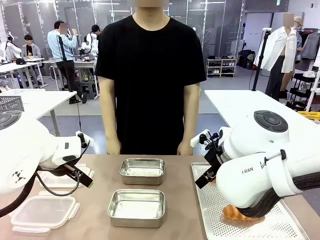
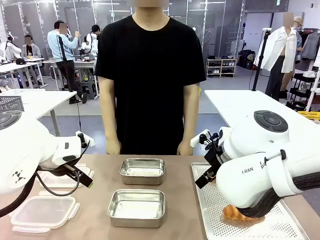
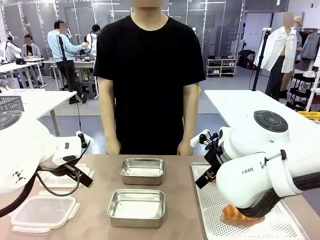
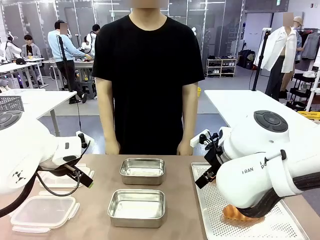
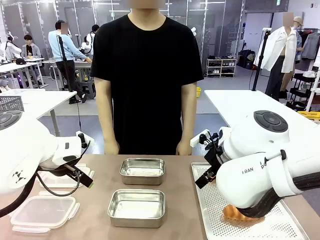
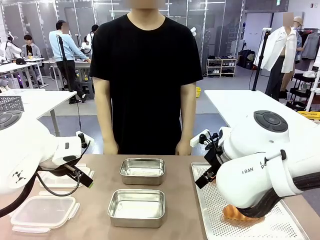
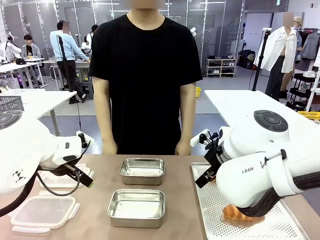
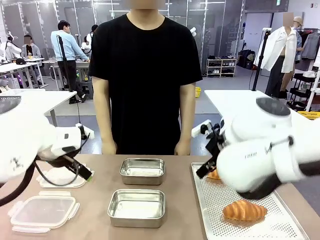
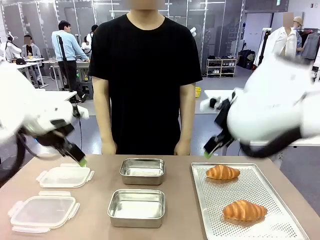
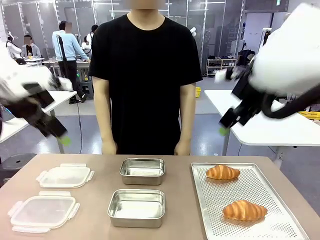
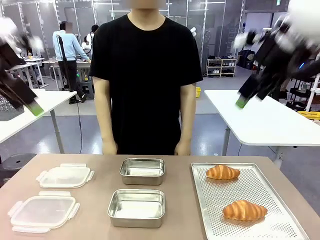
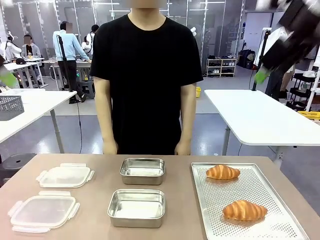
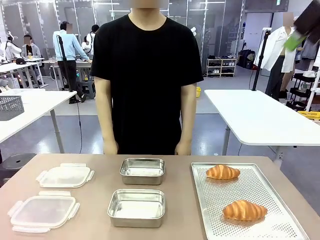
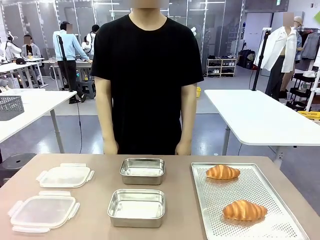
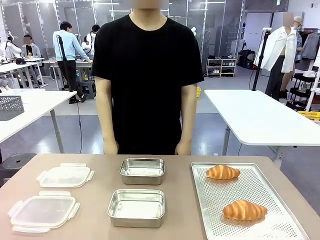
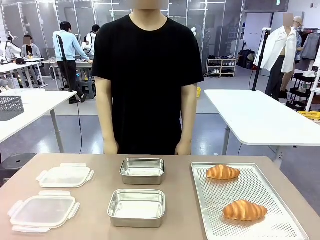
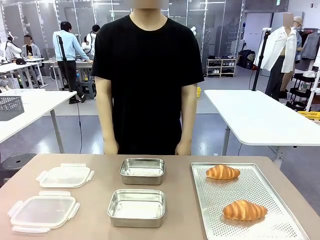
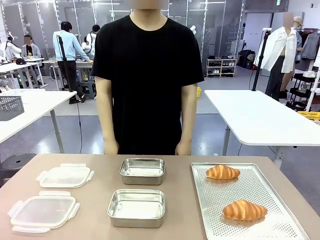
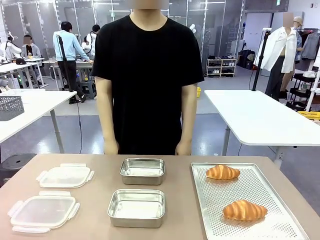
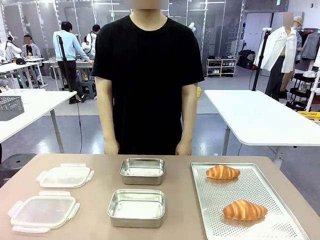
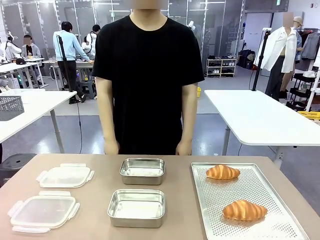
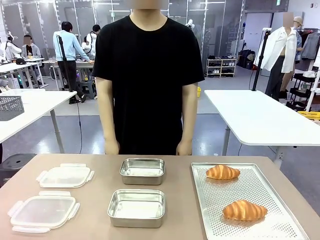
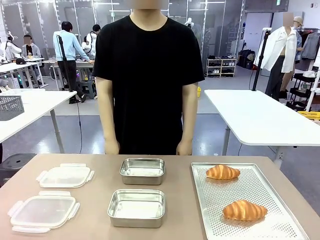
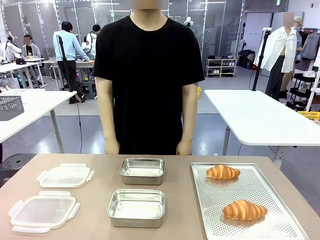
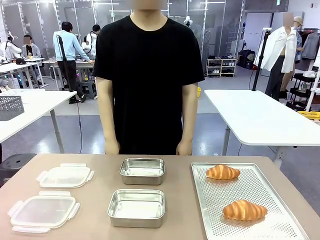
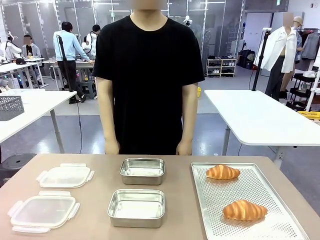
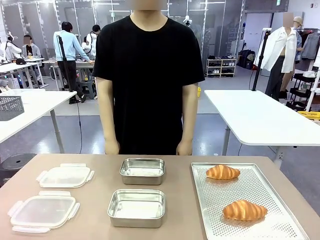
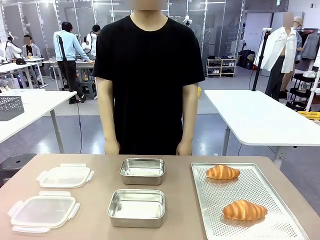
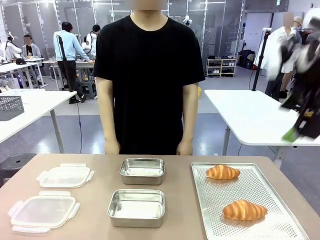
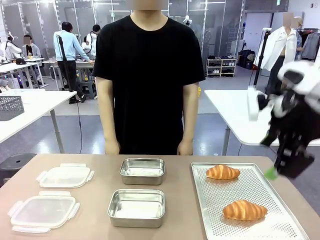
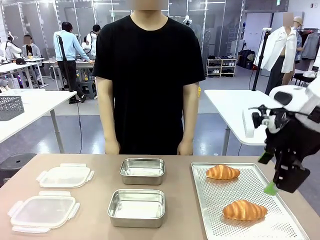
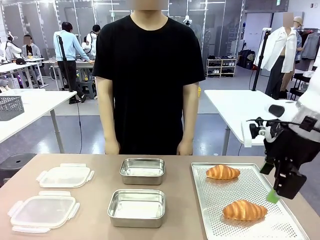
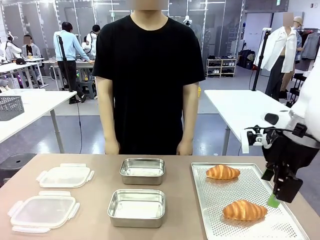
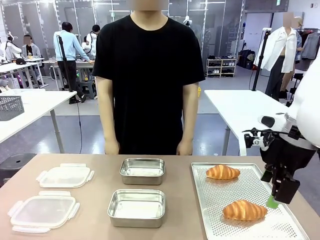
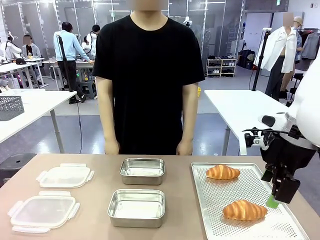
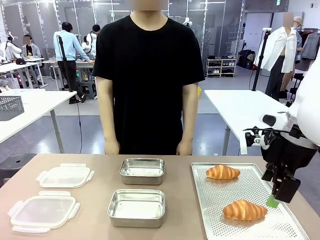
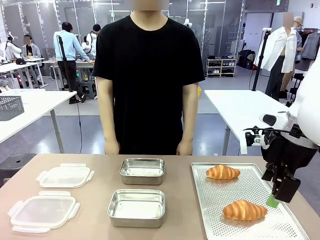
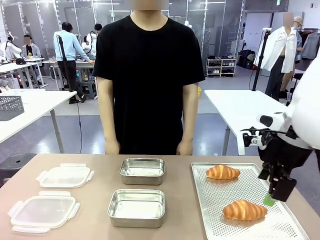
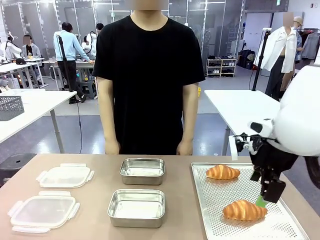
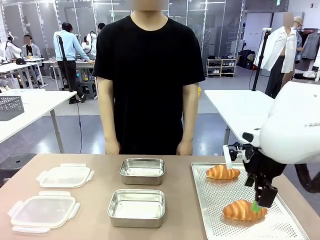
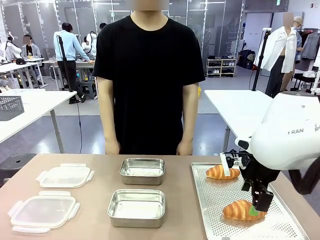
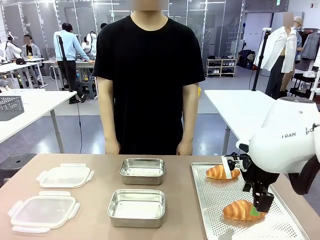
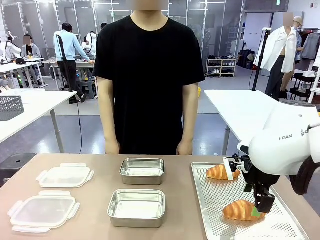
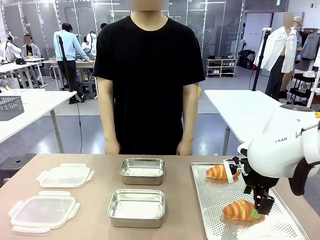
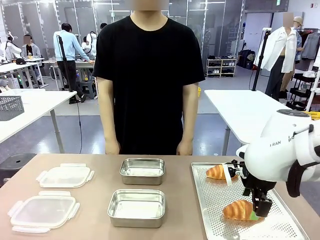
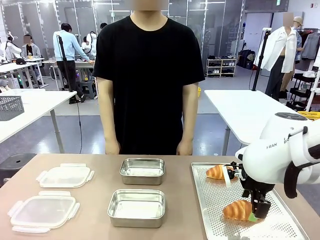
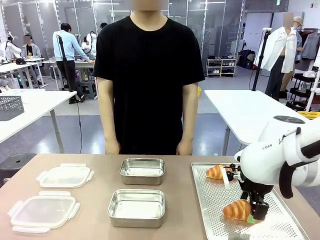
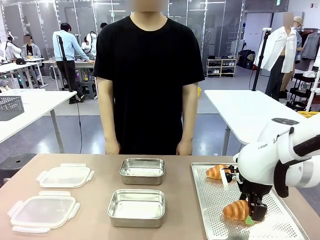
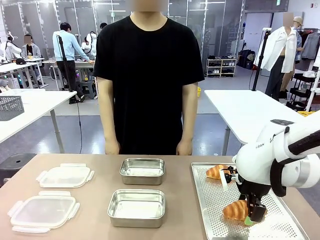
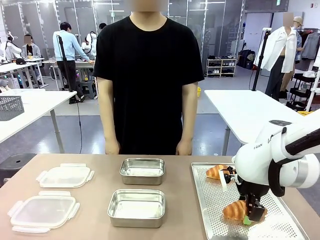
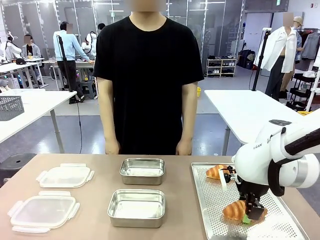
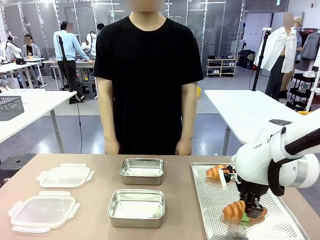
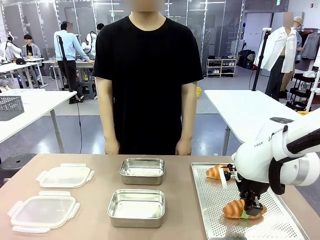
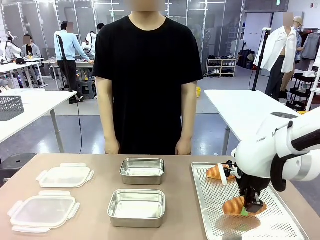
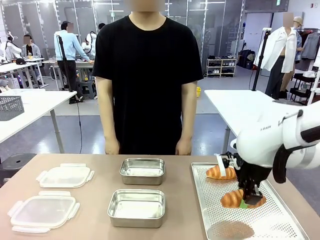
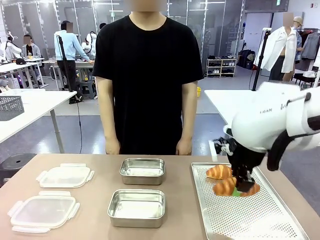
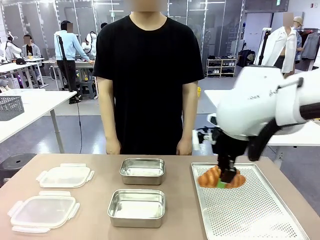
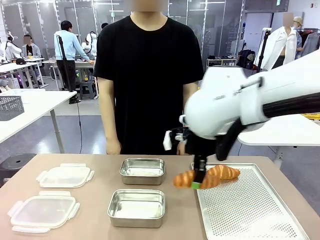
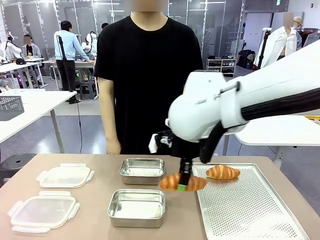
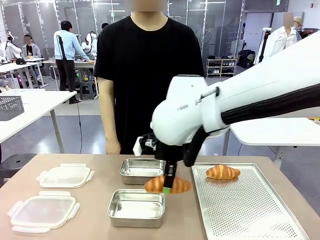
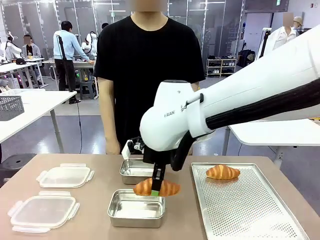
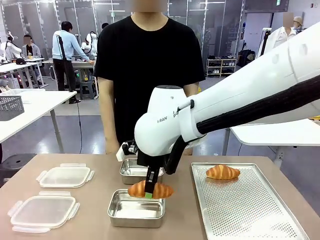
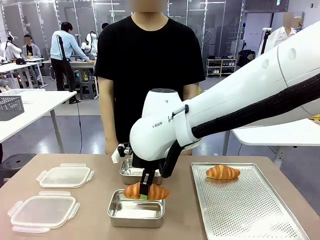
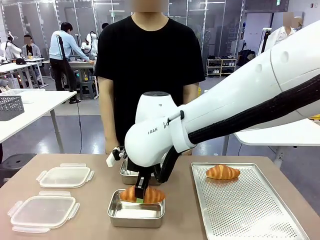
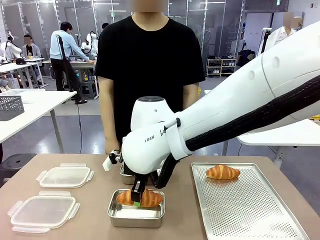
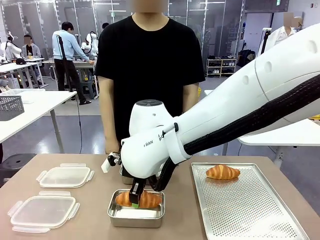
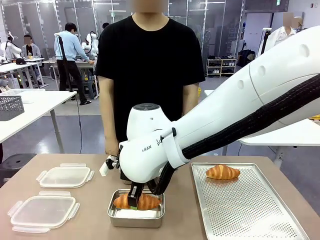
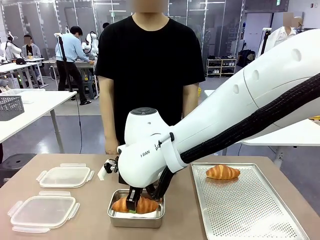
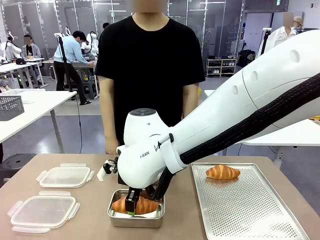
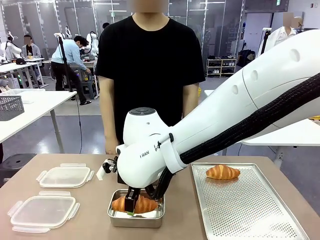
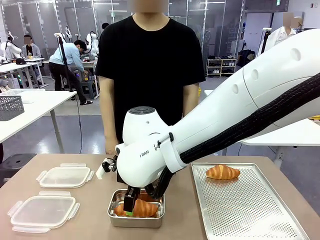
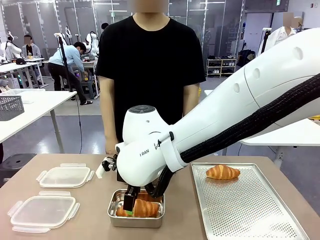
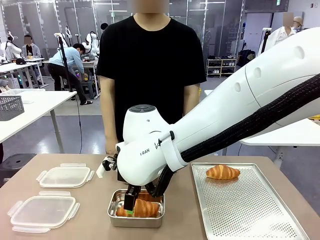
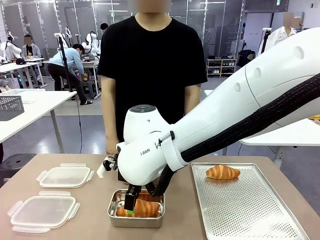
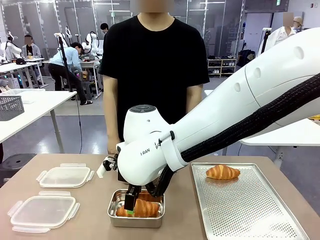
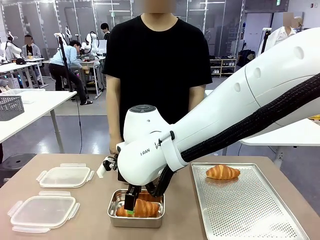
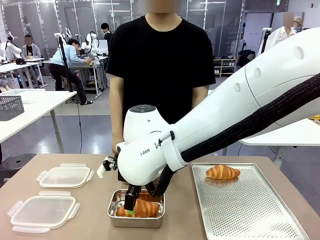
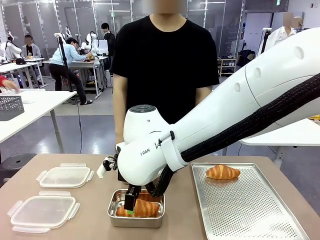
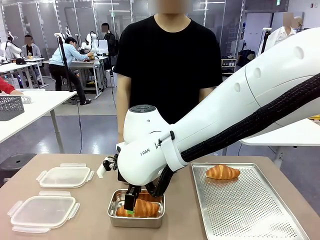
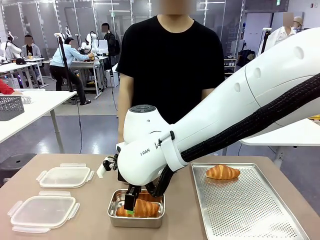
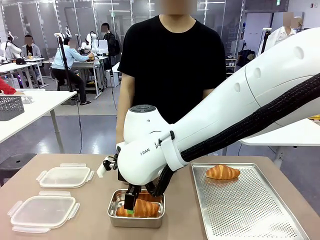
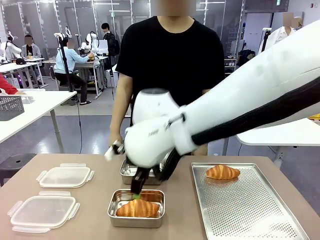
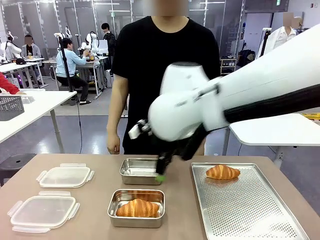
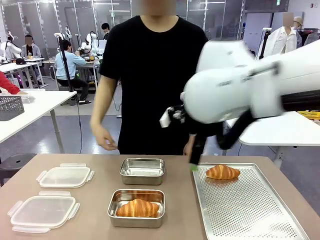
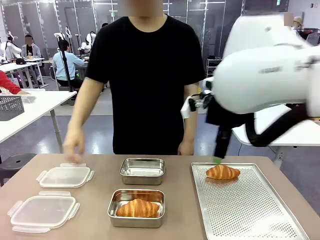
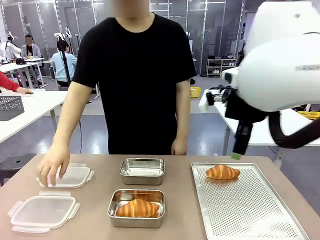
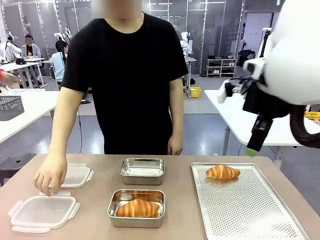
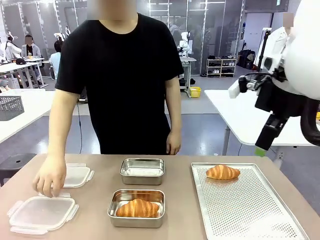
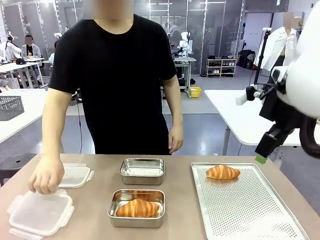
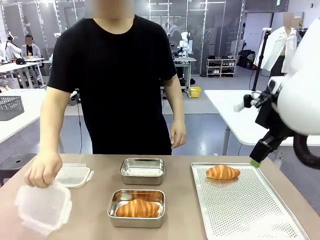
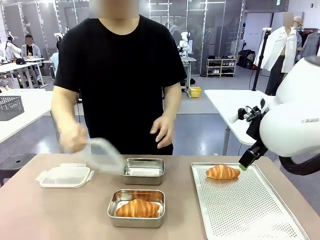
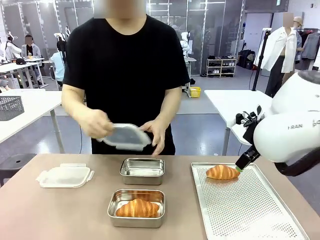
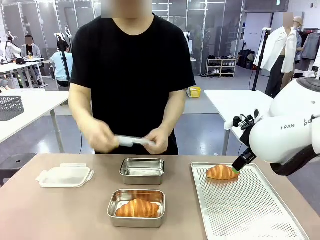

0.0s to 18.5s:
Task: Place the bread into the airtight container.
Robot: Pick up a Butter Roll and place it into an empty Airtight Container.
